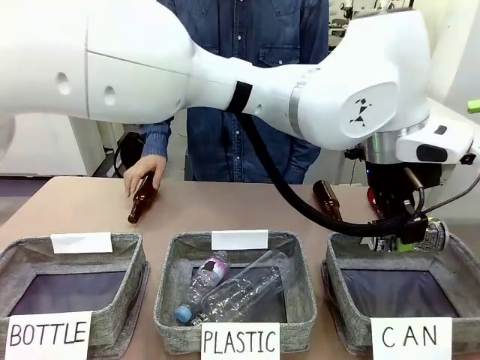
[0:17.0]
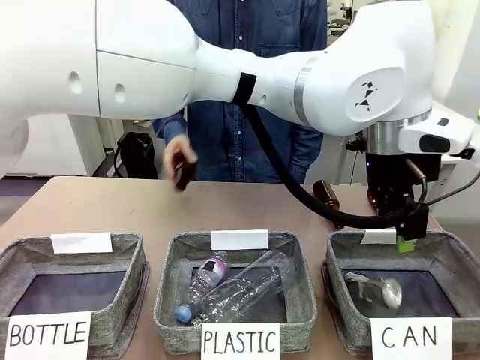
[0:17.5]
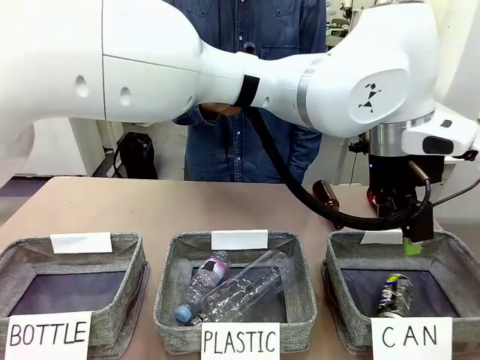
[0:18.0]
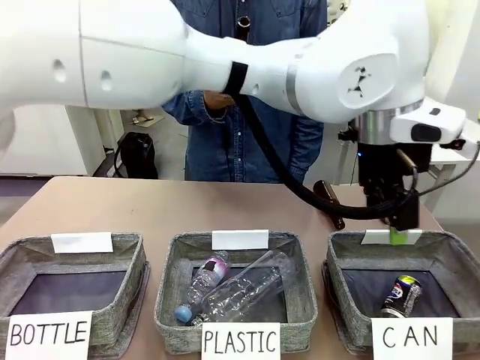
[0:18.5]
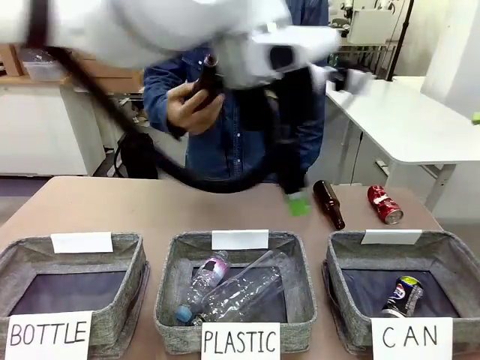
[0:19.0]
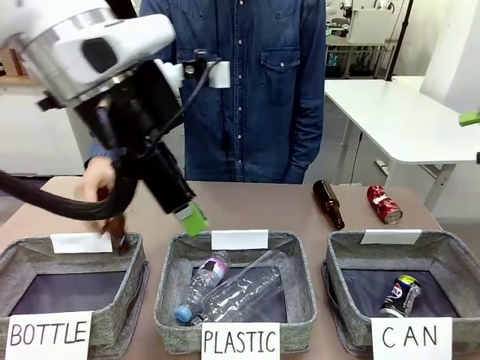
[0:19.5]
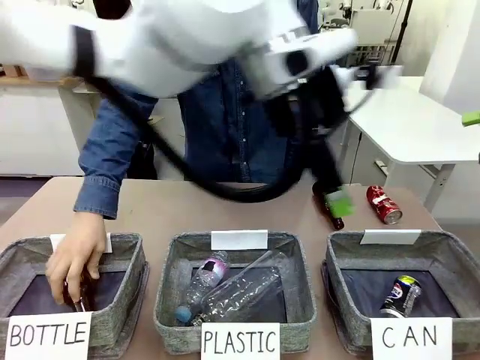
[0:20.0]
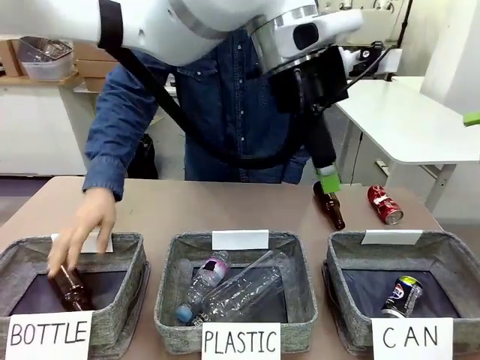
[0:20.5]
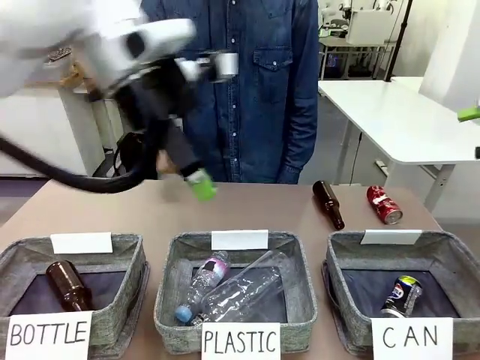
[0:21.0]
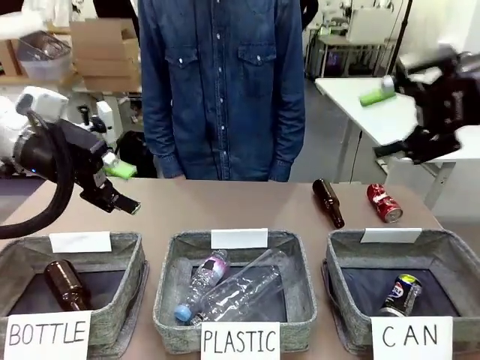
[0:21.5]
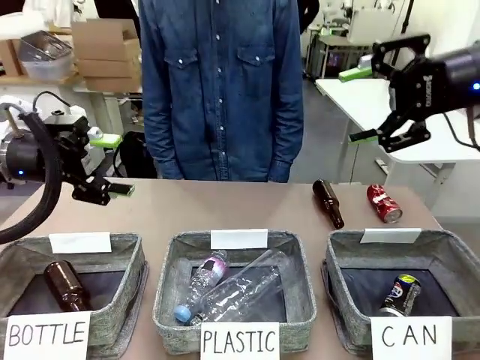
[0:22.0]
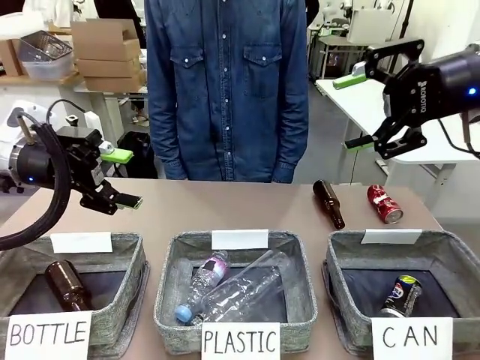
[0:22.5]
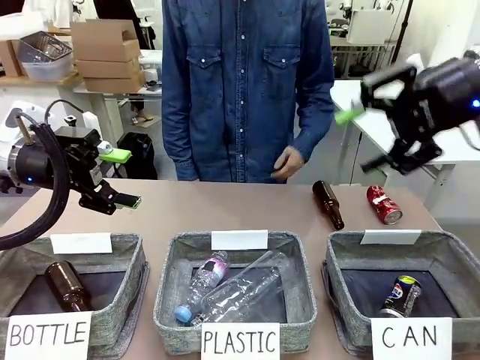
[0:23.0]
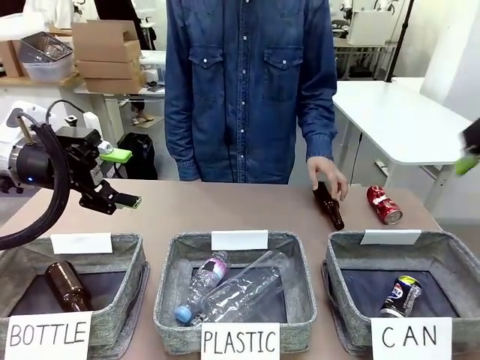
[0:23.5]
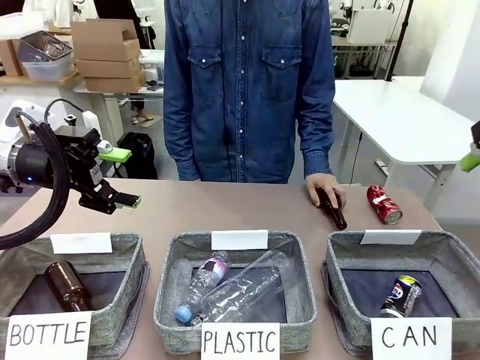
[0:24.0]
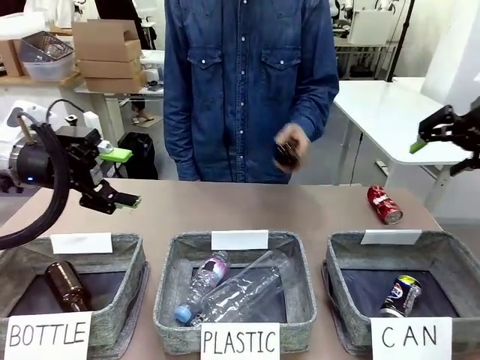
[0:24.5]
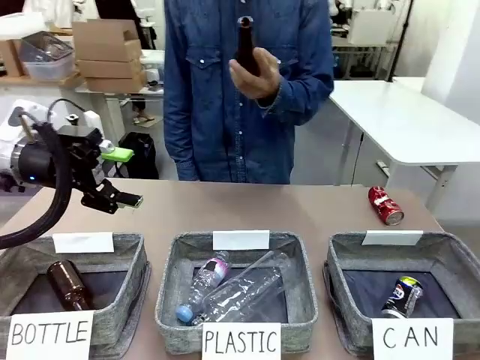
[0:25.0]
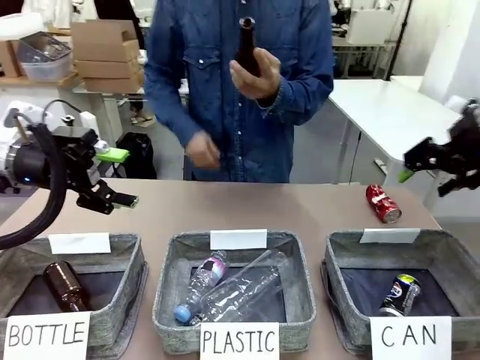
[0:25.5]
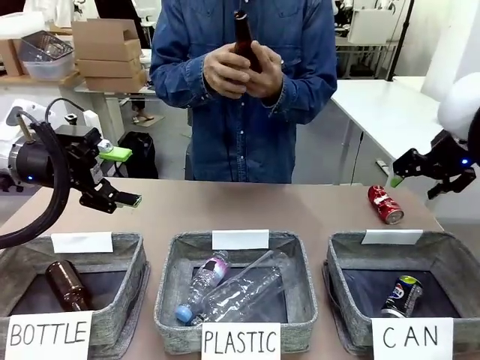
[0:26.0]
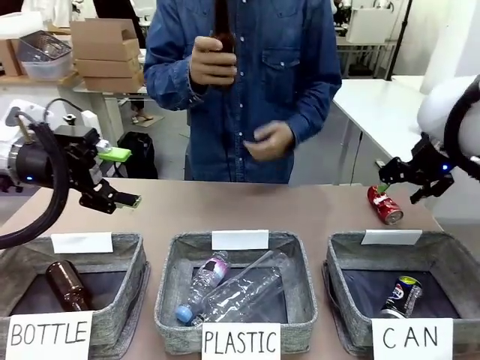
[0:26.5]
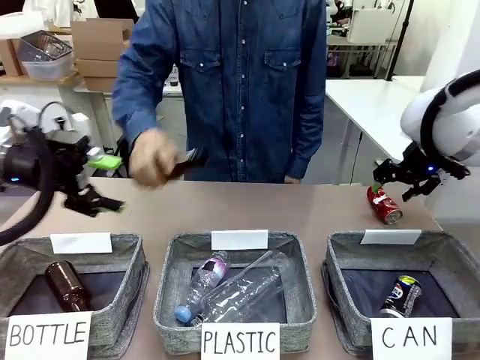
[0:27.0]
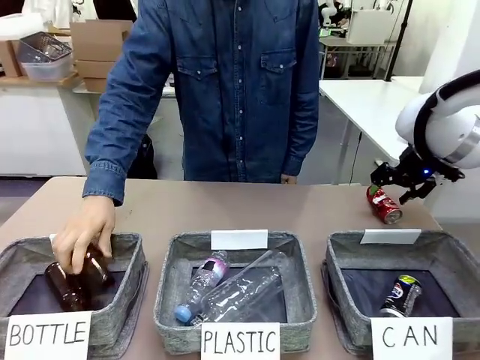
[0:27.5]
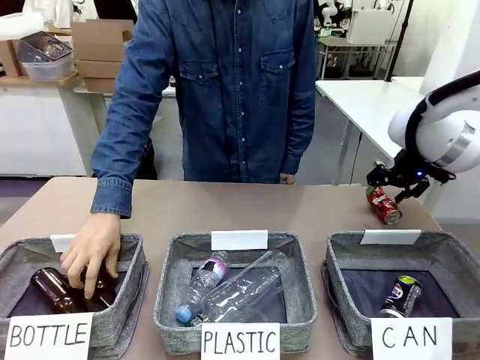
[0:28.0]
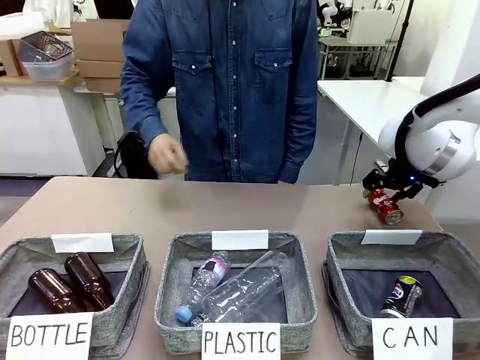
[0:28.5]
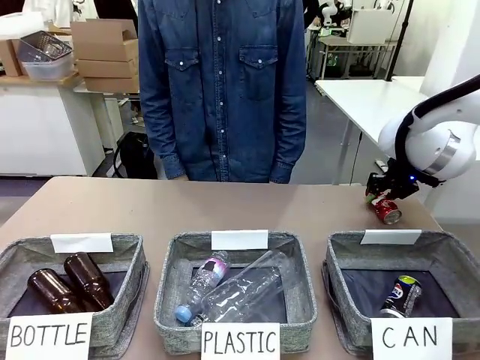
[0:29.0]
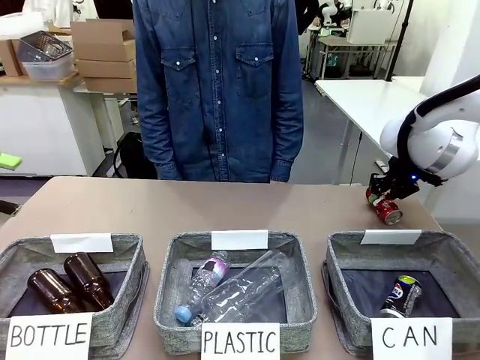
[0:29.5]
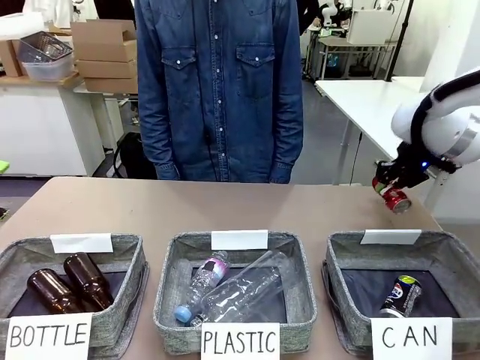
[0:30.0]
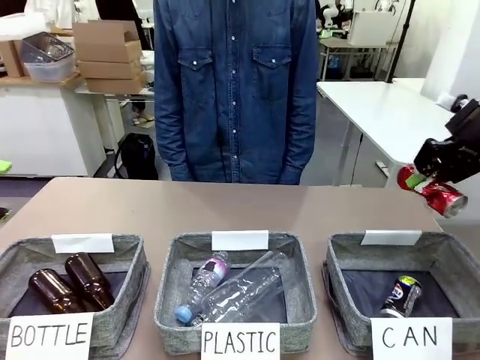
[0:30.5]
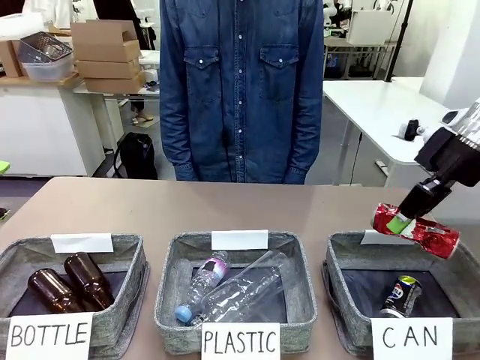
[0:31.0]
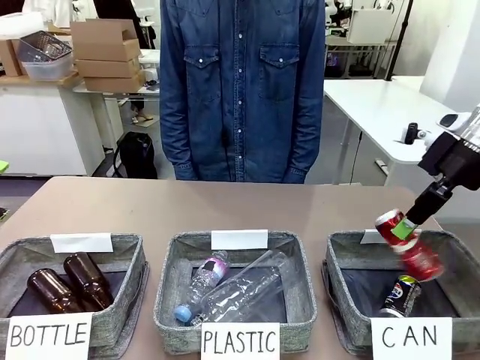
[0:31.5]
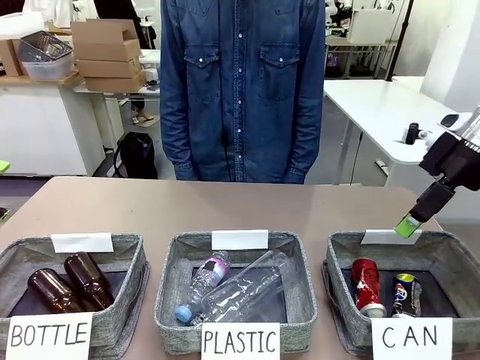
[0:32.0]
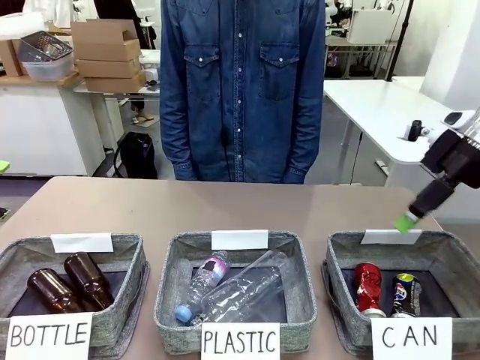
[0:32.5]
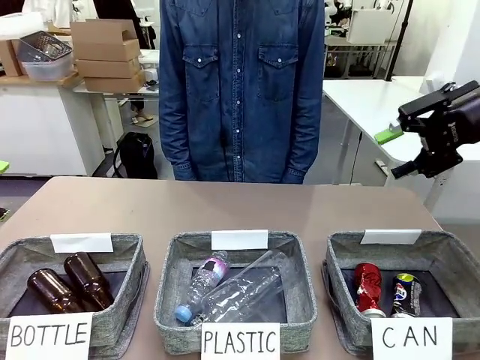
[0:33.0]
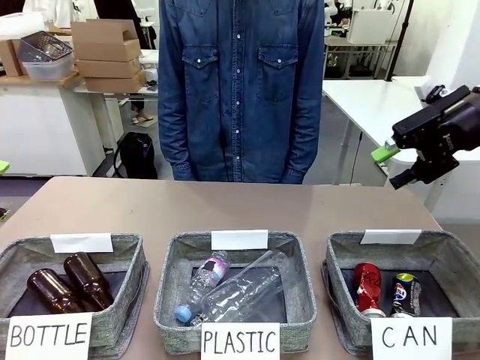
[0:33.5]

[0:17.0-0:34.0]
Task: Sort the can waste into the basket.
Robot: Pick up the can waste from the table and place it in the right Fabric basket.

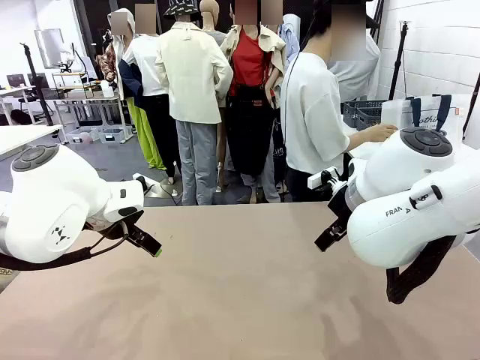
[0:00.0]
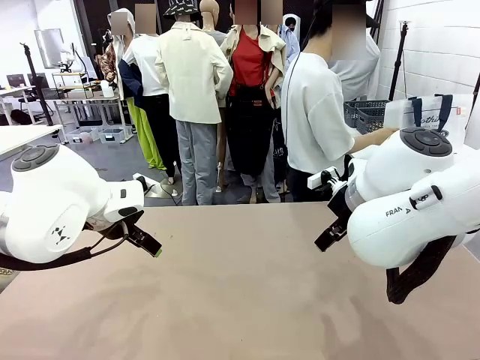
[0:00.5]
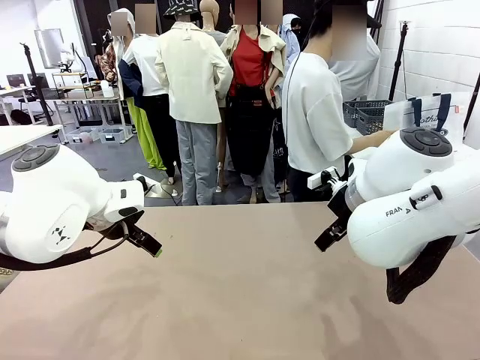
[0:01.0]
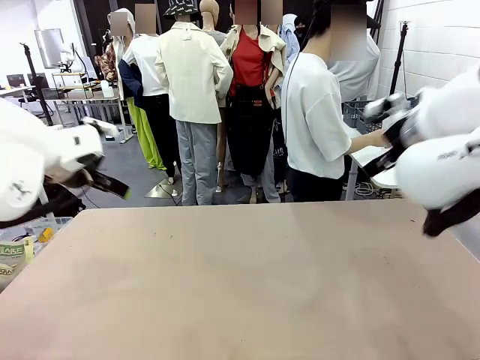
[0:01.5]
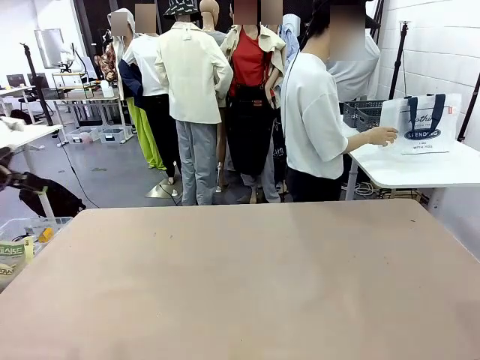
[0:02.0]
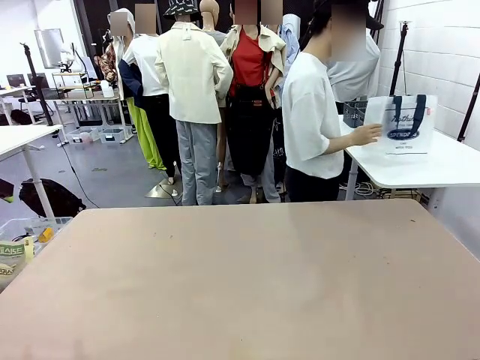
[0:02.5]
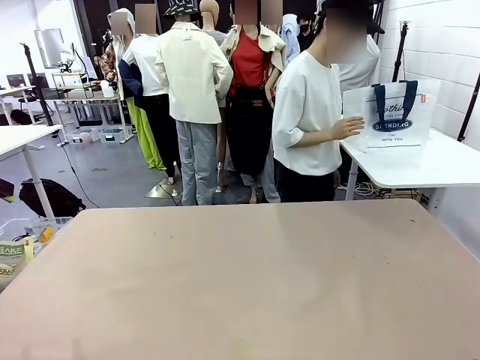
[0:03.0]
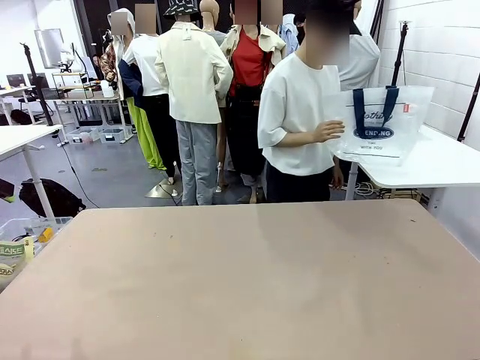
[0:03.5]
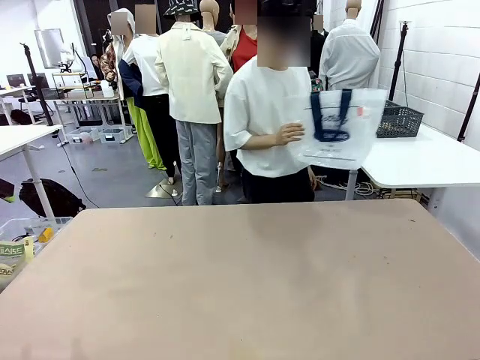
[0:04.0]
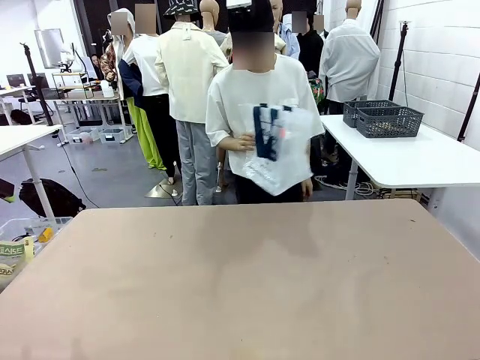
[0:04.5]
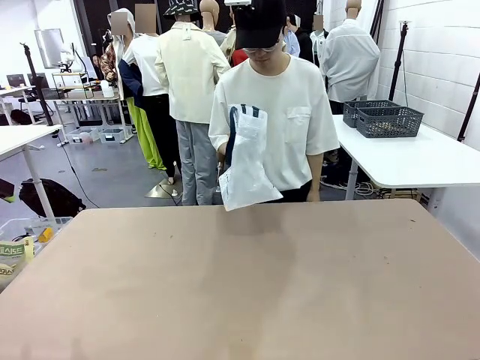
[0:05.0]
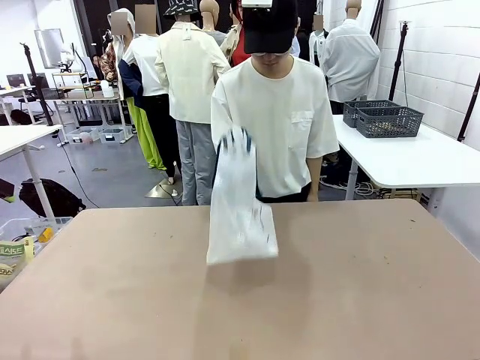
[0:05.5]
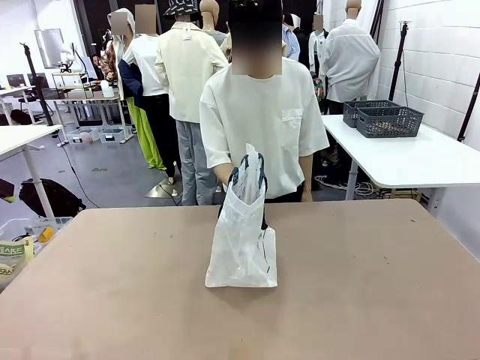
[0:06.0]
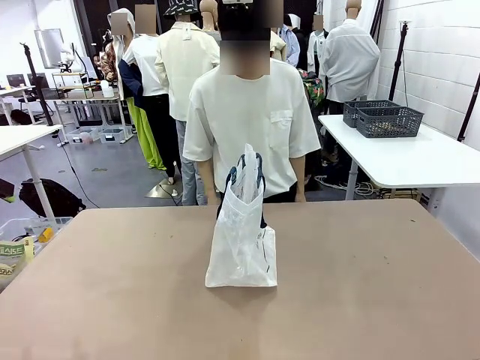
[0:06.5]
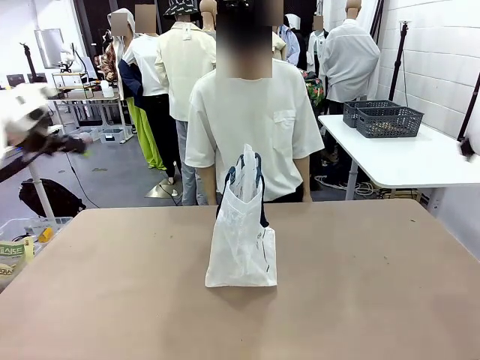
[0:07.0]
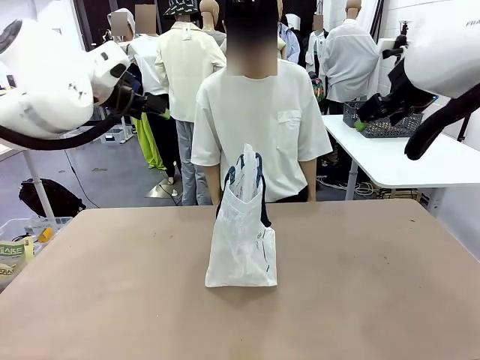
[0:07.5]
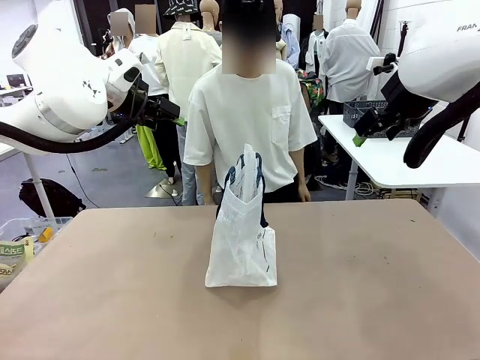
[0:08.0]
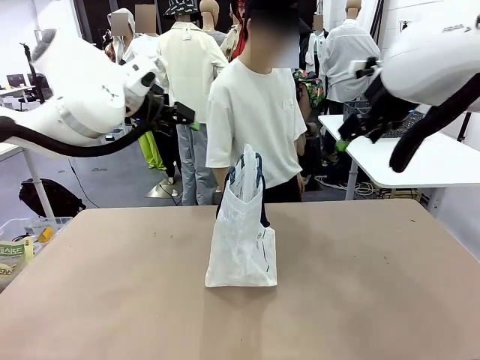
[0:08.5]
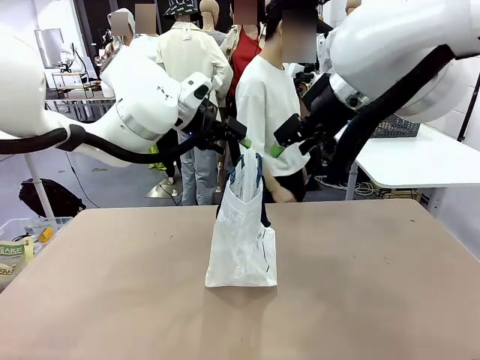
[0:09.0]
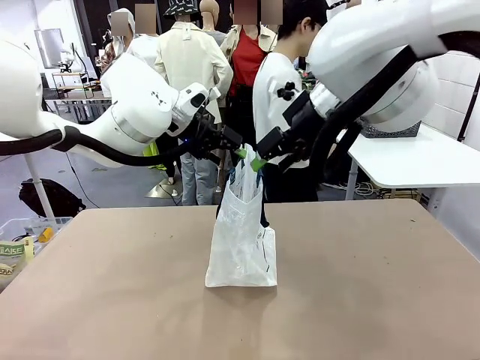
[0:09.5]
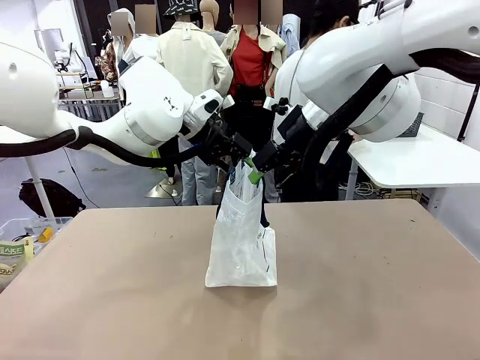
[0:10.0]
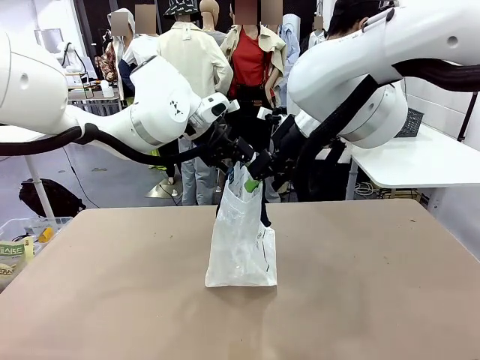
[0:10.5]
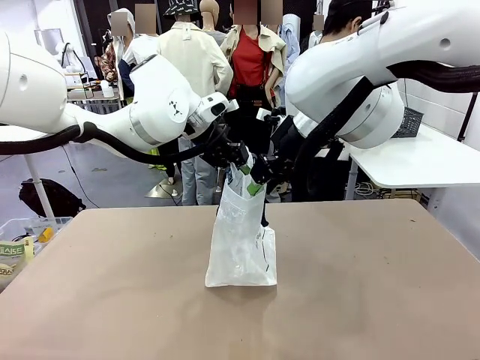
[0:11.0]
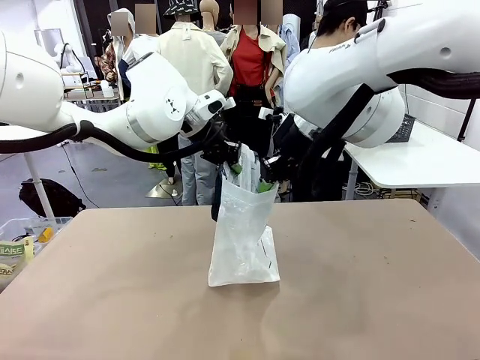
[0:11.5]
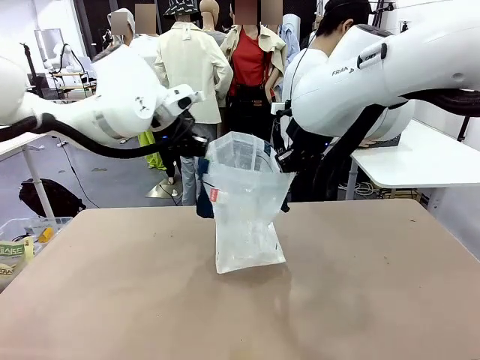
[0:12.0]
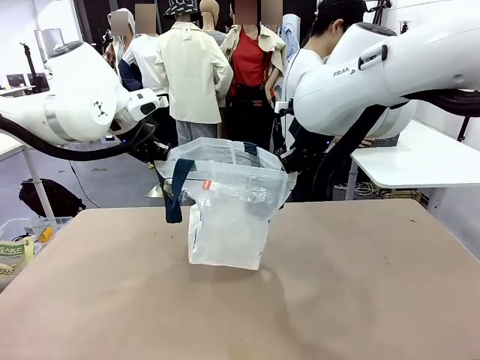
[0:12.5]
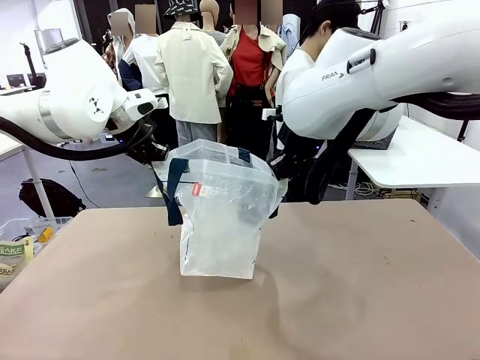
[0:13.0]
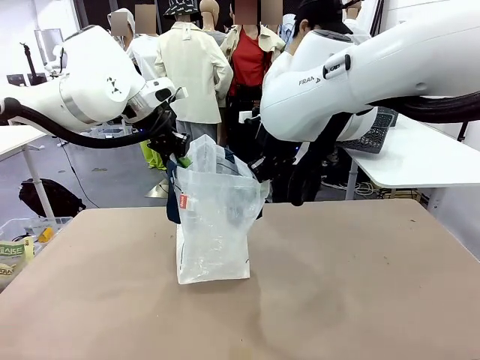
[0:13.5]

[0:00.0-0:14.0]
Task: Transfer purchased items from the store into the shopping bag.
Robot: Open the Reusable shopping bag in the center of the table.
Person: Pick up the shopping bag and place it in the middle of the robot table.
